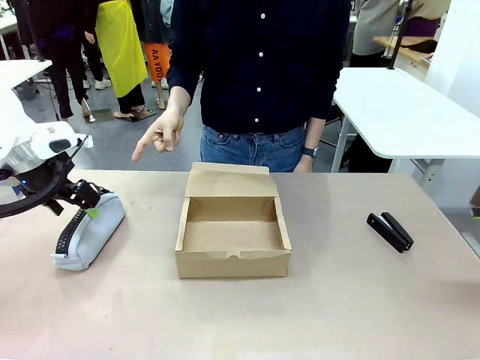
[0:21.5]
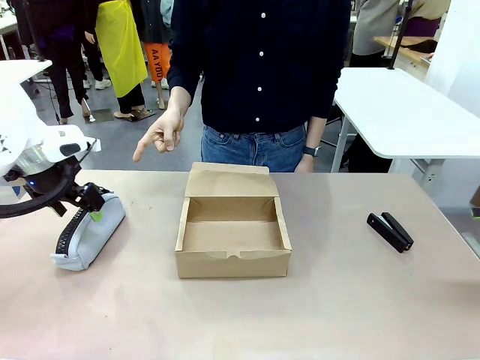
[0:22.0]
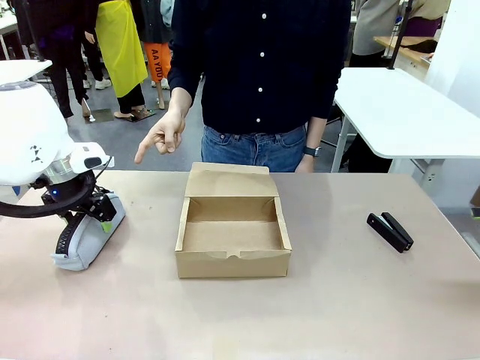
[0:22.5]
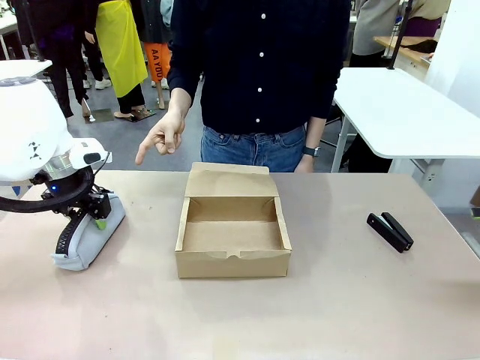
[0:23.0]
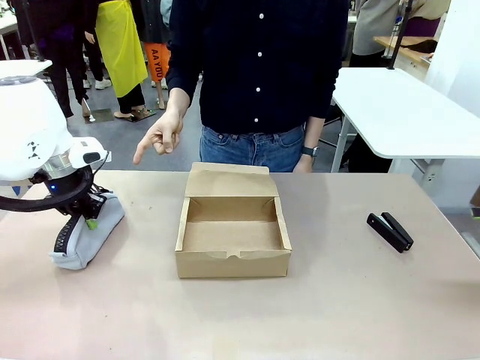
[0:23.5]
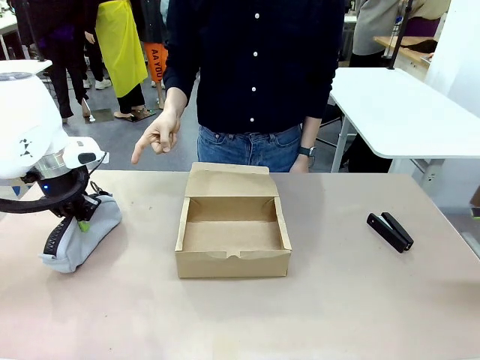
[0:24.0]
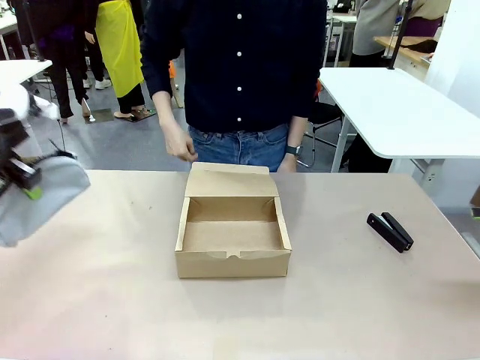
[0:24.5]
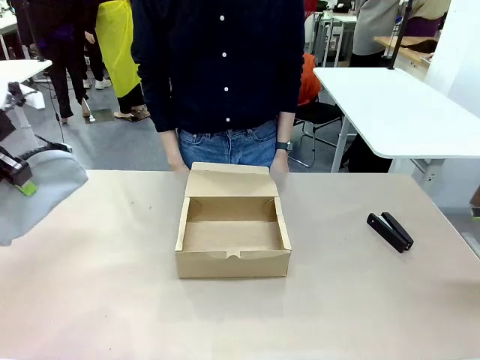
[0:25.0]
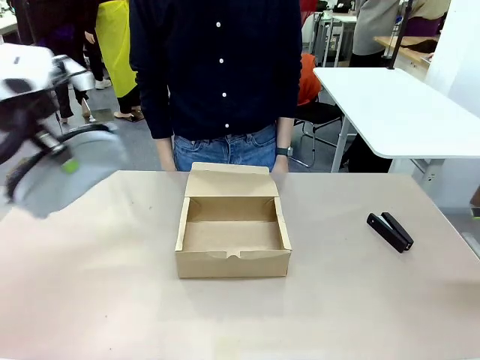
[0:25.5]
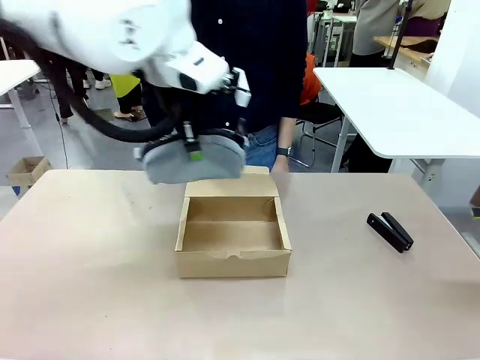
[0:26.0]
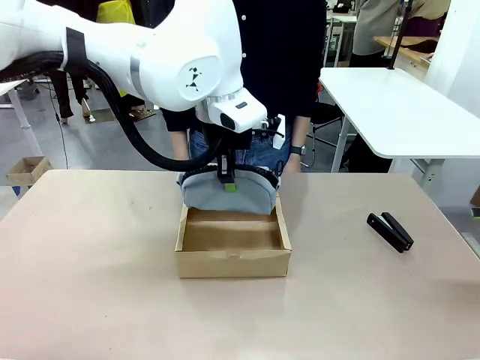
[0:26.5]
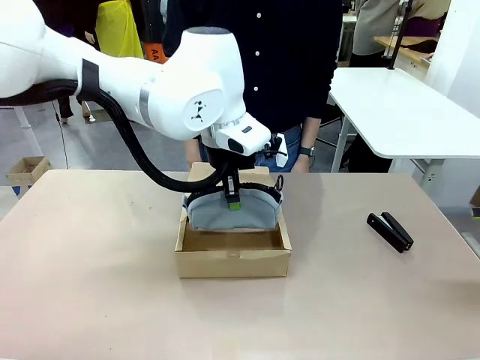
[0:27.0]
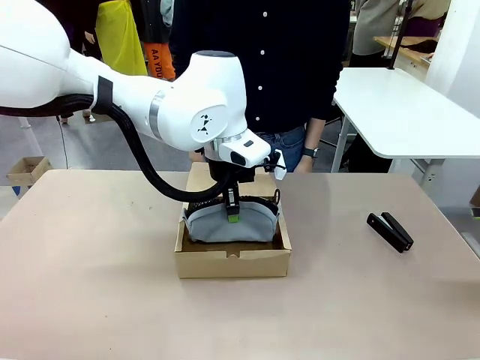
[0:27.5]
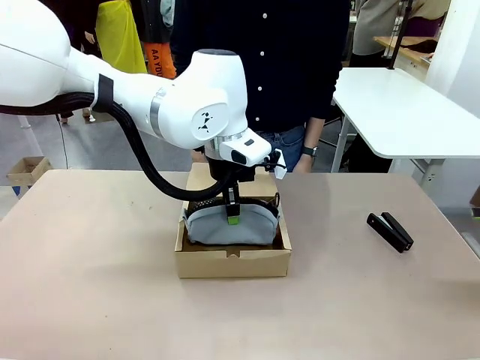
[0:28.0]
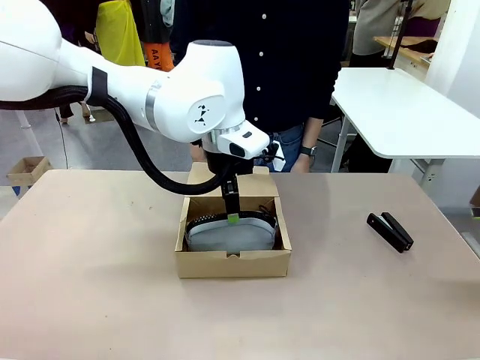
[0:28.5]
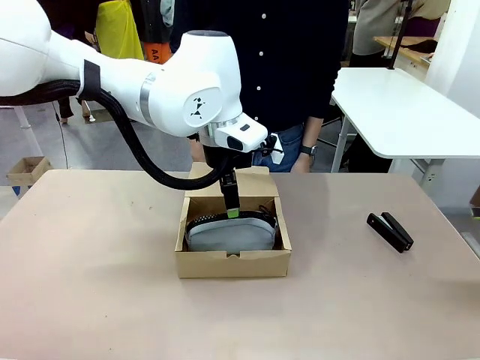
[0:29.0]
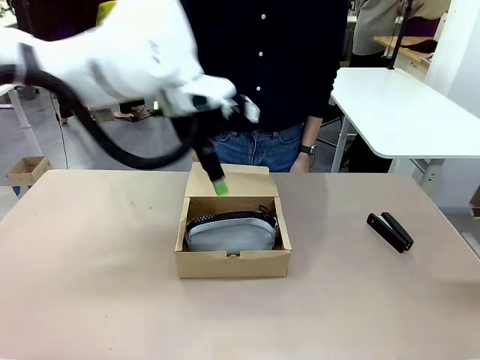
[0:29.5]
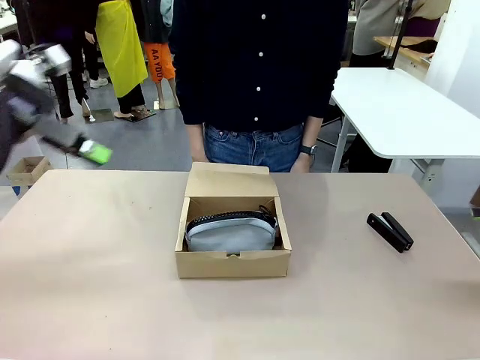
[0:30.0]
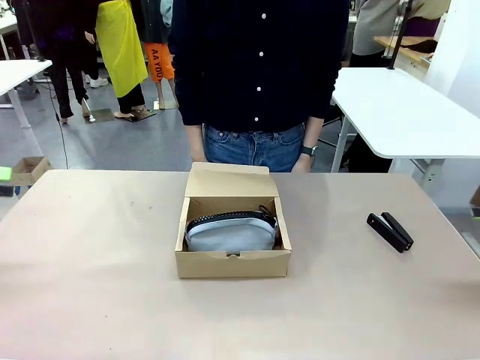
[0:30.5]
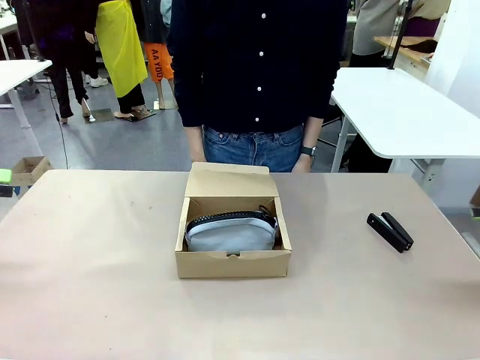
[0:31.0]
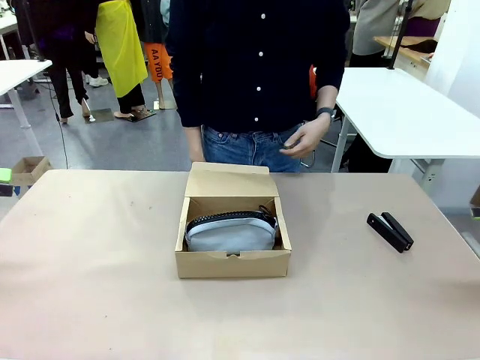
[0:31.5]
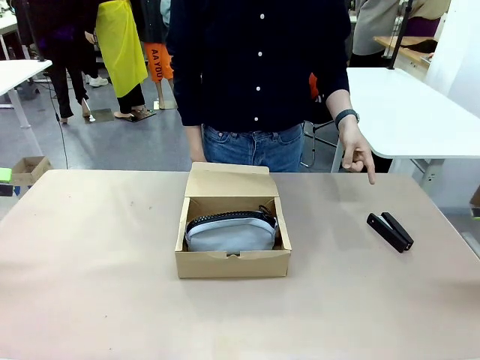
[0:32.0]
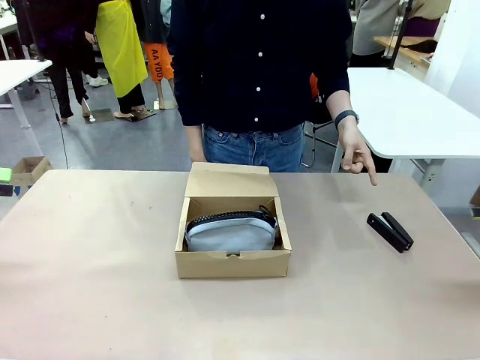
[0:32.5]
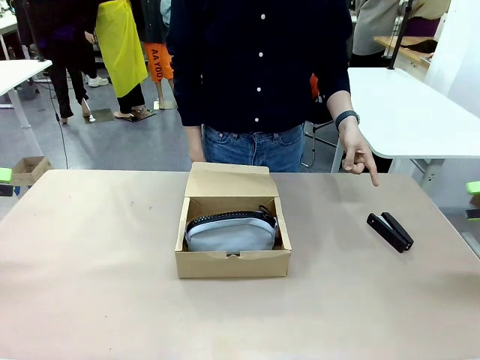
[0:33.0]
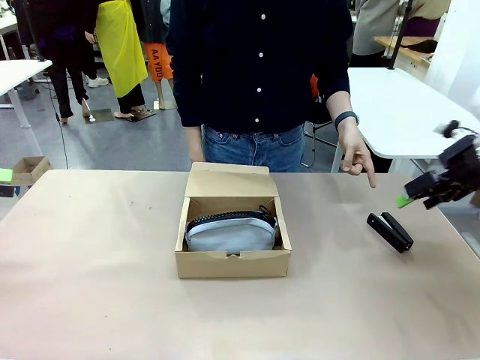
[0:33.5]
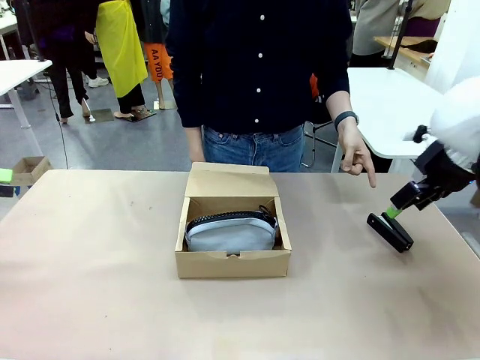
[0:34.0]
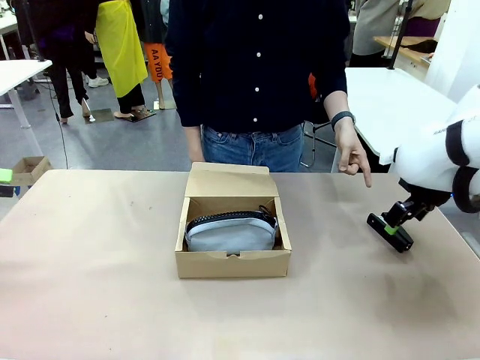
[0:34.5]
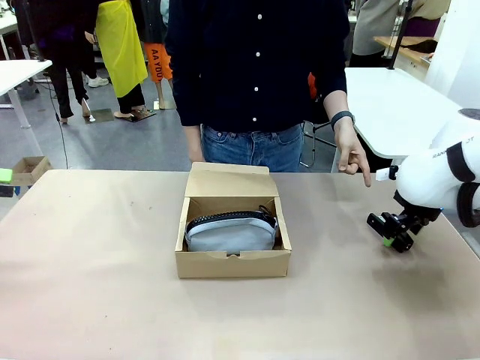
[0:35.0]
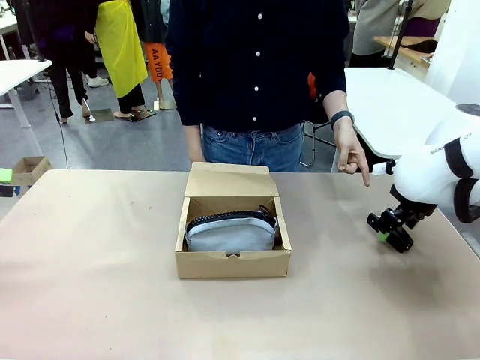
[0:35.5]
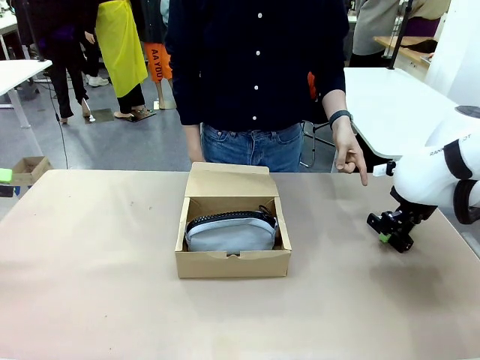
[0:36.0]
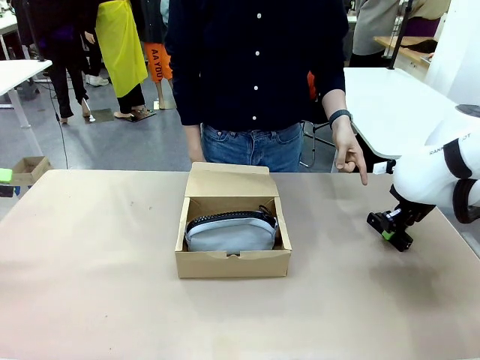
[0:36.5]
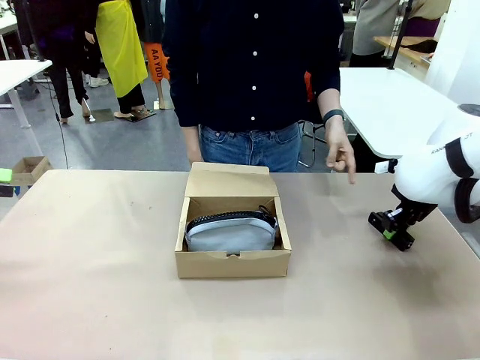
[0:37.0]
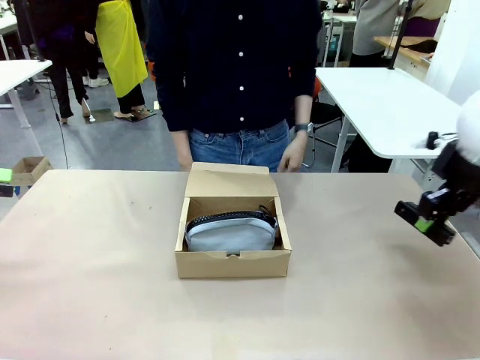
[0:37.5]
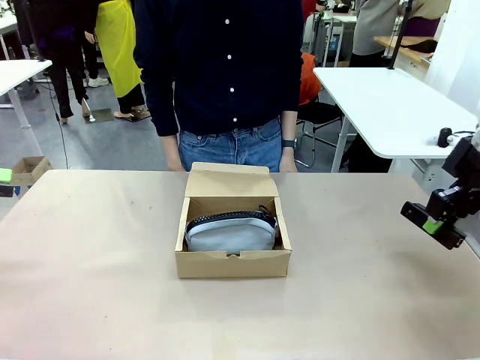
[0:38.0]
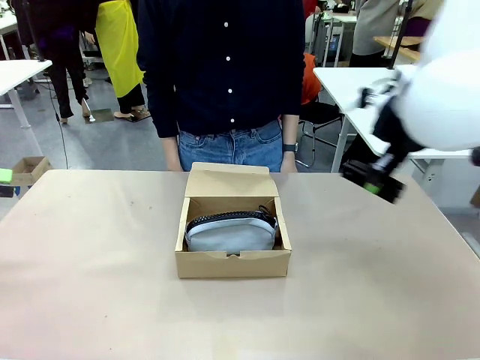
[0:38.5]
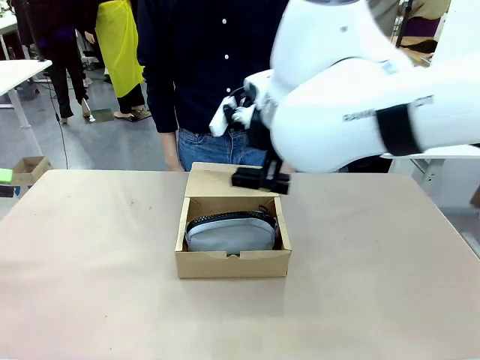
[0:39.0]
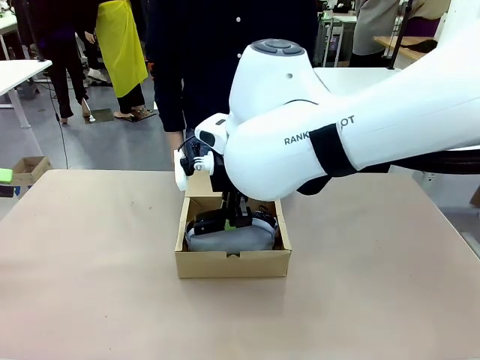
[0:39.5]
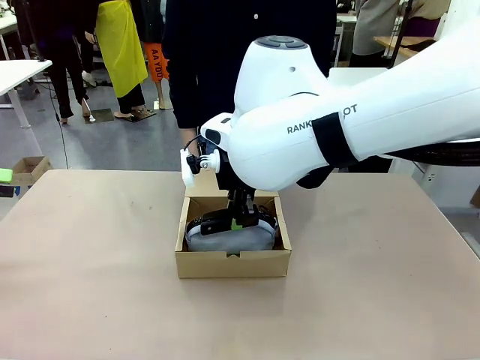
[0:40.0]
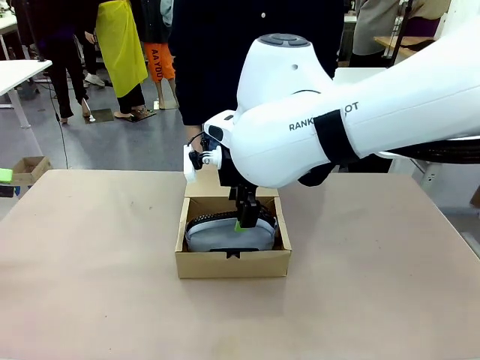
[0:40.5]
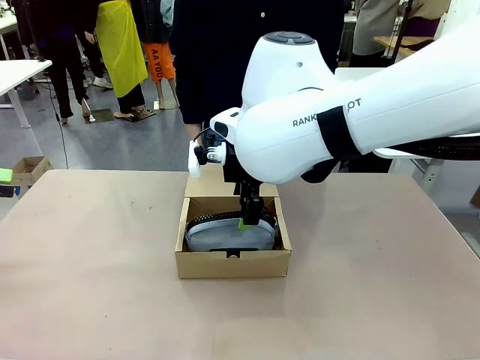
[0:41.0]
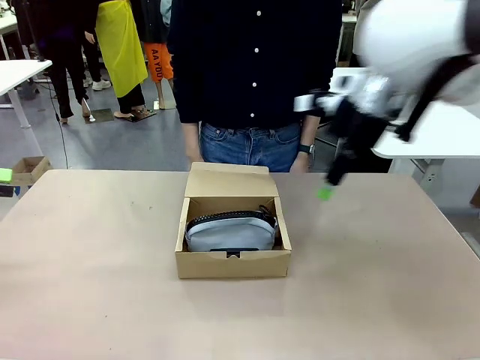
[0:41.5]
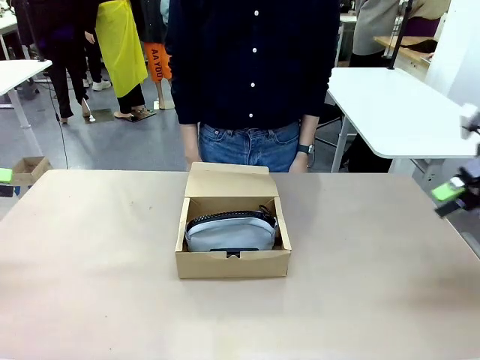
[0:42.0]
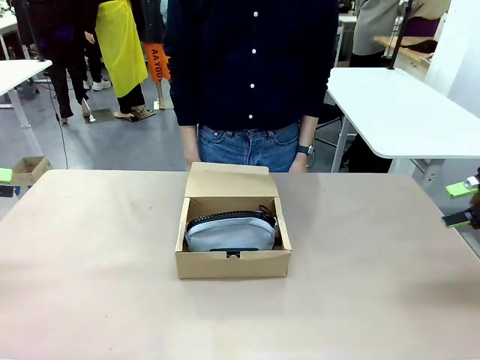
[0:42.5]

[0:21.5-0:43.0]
Task: Pack the items into the box.
Robot: Pick up the item indicated by the person and place it inside the Mailer Box.
Person: Lower both hands vertically with palms facing downward, as if pressing something closed.

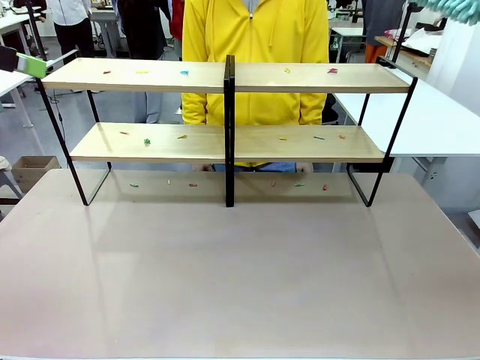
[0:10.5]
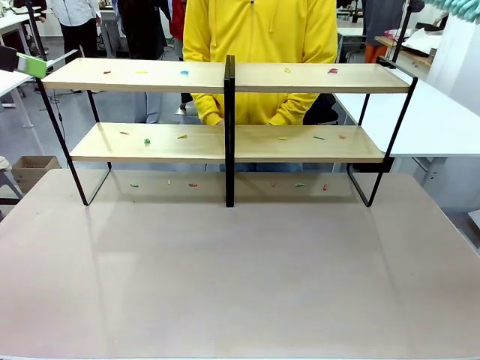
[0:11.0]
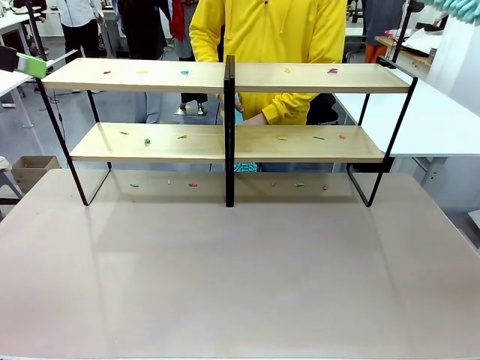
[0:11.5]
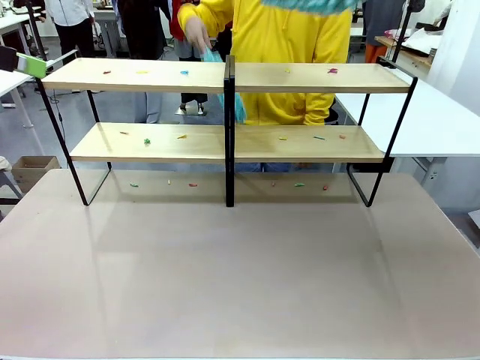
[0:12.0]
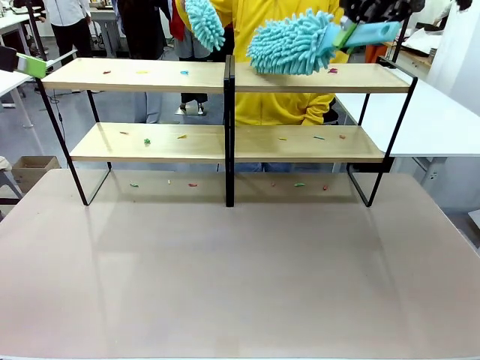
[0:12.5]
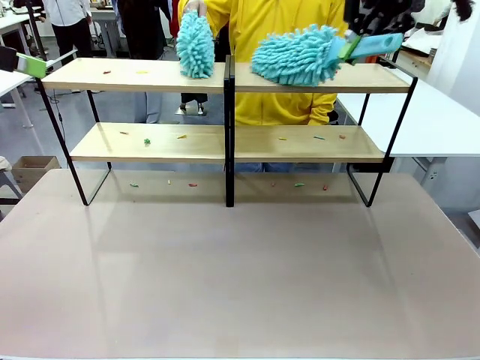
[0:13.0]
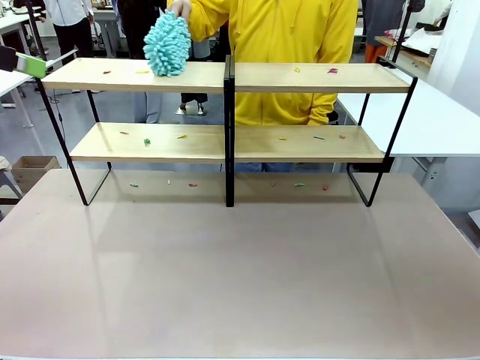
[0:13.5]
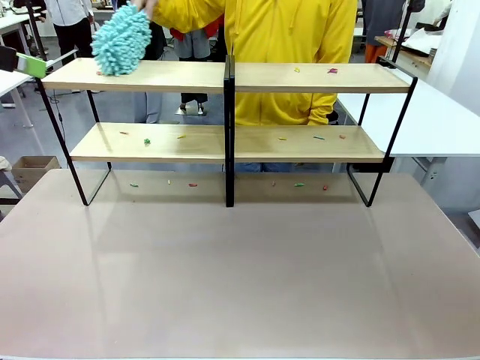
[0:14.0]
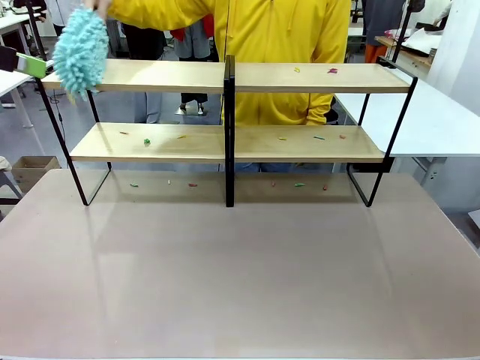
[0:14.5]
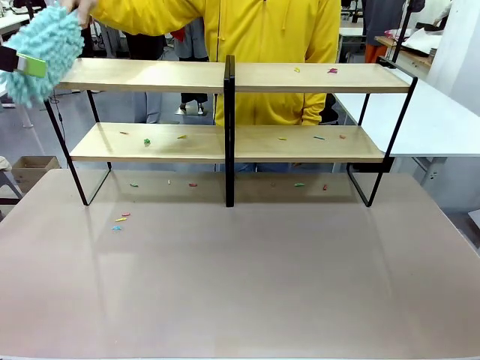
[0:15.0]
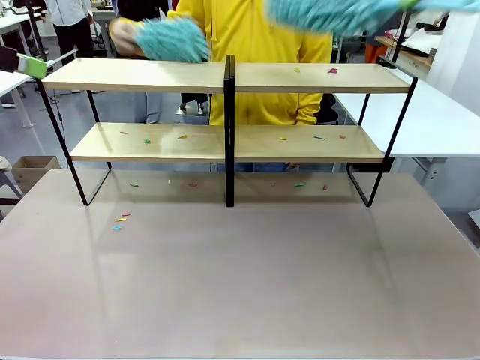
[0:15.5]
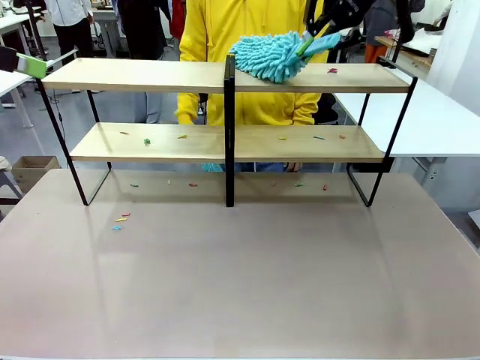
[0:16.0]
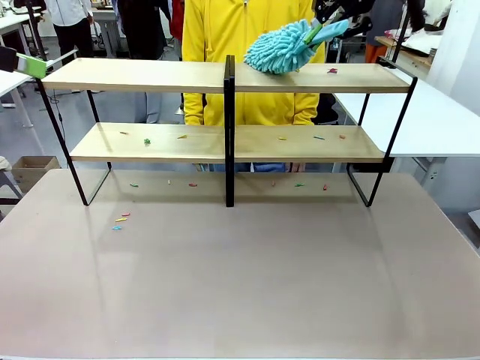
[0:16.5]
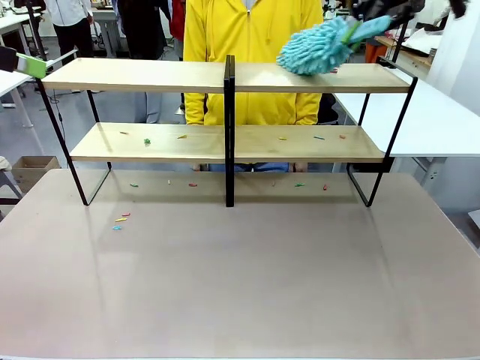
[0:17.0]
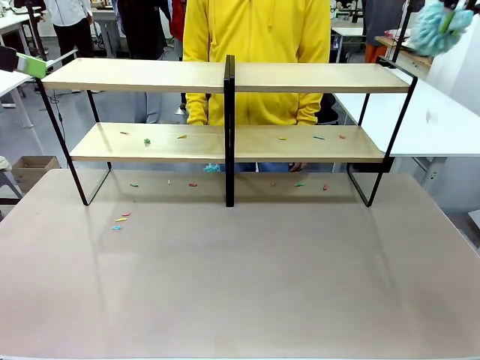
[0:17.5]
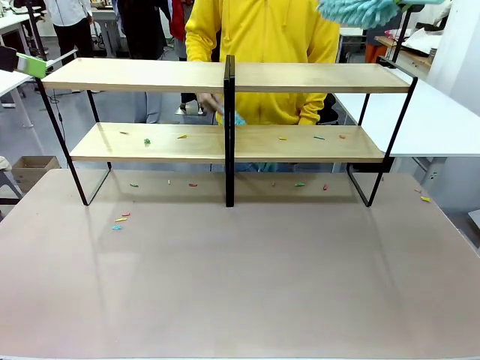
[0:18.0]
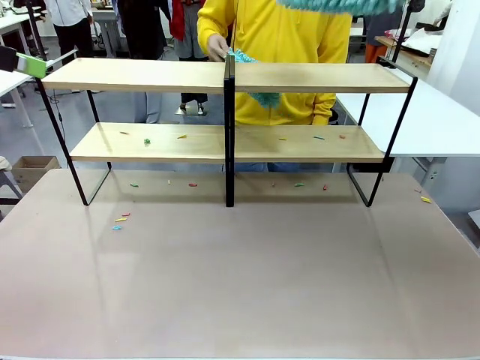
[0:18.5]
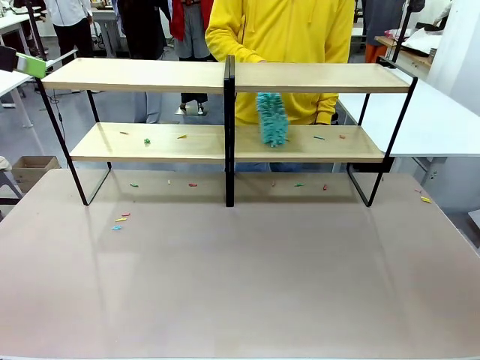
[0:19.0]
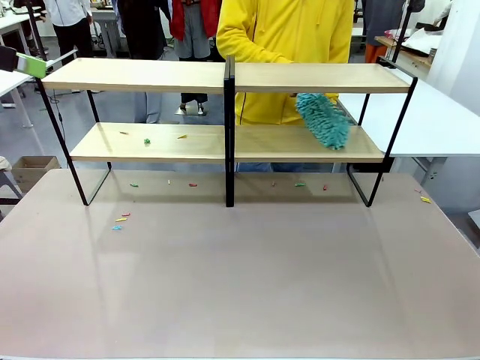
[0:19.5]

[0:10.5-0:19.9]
Task: Clean the shelves.
Robot: Clean a randomly selected level of the Shelf with the Duster.
